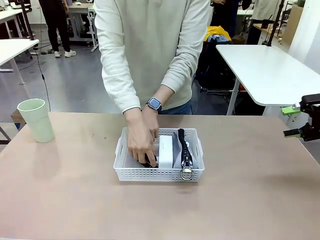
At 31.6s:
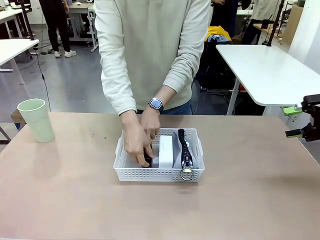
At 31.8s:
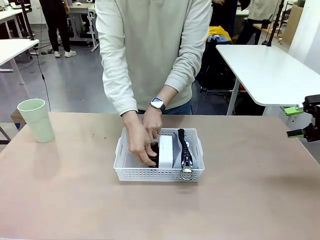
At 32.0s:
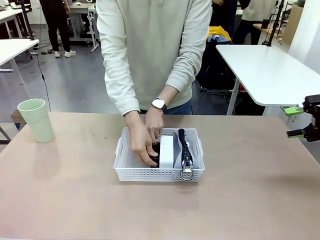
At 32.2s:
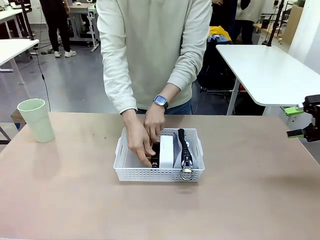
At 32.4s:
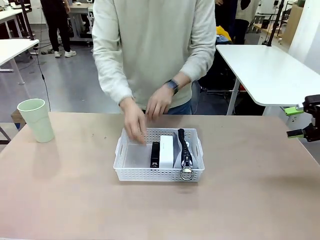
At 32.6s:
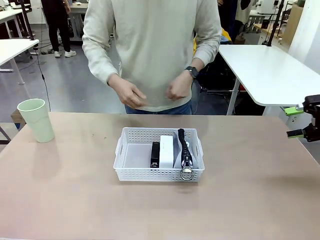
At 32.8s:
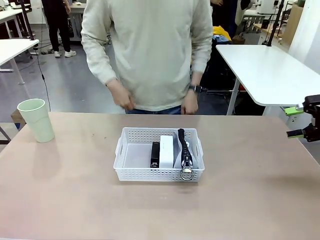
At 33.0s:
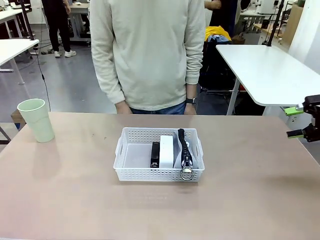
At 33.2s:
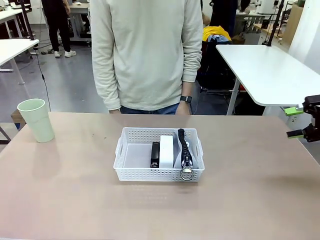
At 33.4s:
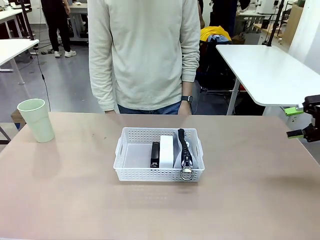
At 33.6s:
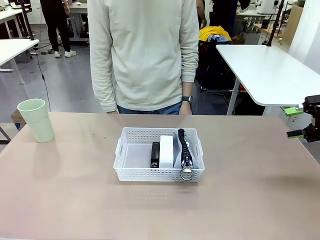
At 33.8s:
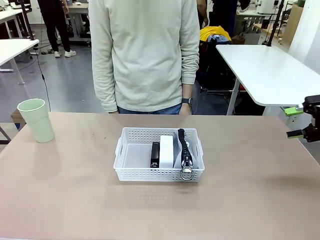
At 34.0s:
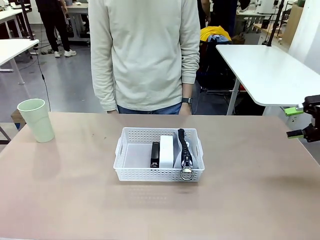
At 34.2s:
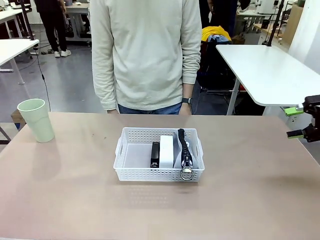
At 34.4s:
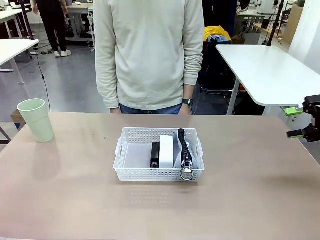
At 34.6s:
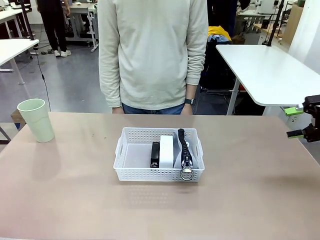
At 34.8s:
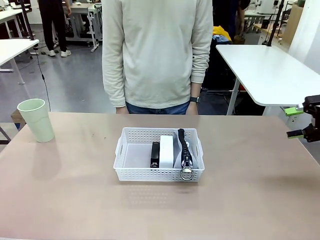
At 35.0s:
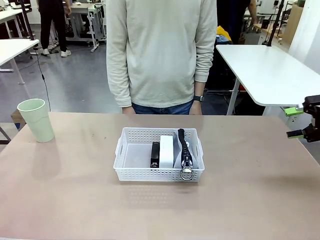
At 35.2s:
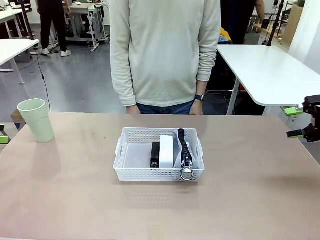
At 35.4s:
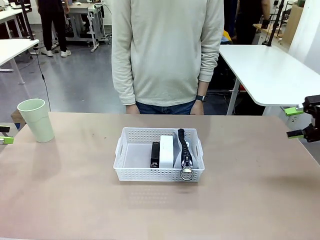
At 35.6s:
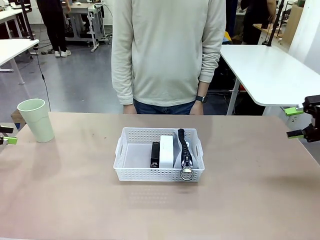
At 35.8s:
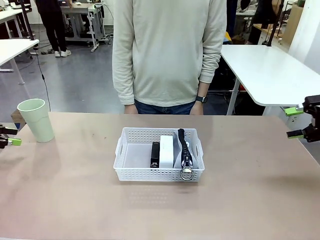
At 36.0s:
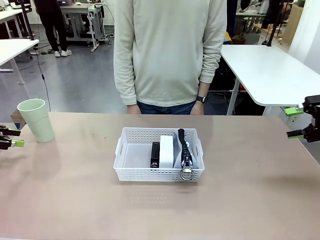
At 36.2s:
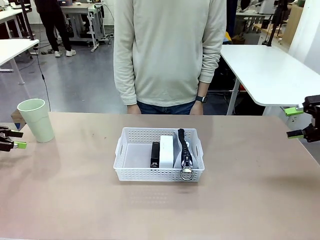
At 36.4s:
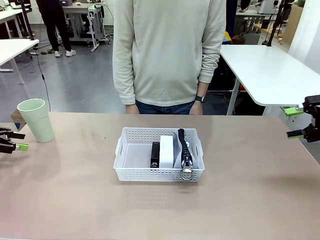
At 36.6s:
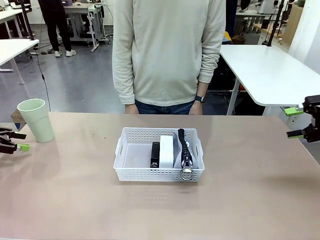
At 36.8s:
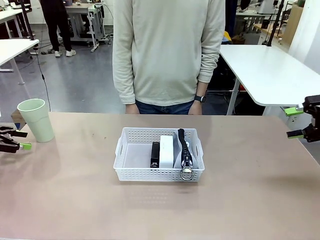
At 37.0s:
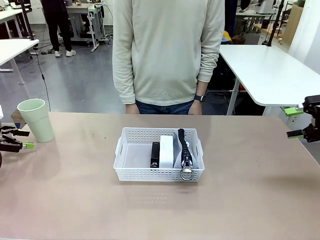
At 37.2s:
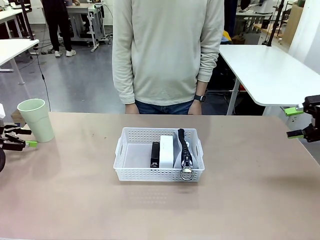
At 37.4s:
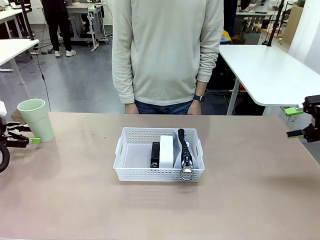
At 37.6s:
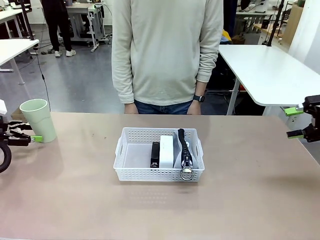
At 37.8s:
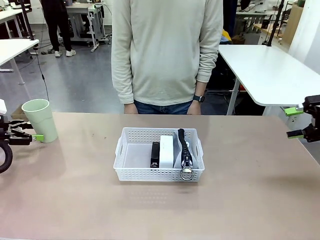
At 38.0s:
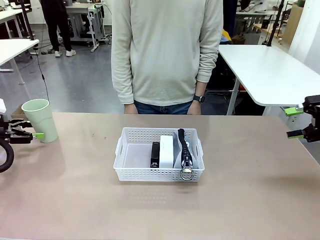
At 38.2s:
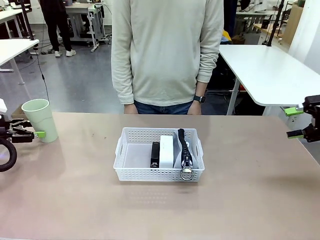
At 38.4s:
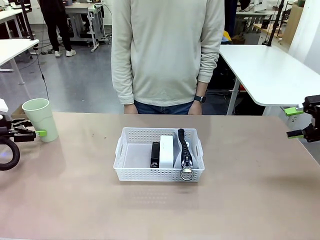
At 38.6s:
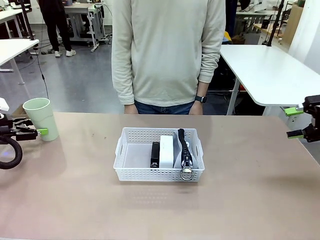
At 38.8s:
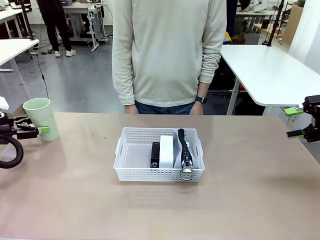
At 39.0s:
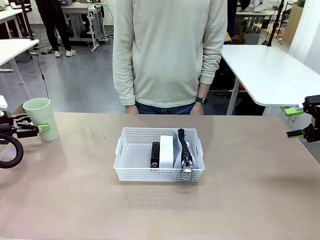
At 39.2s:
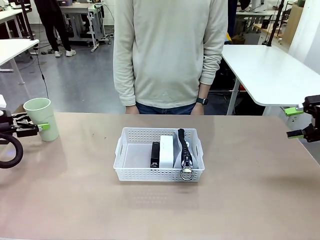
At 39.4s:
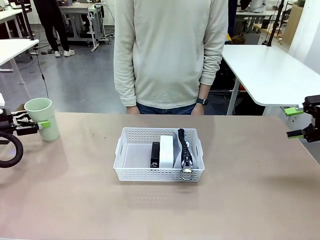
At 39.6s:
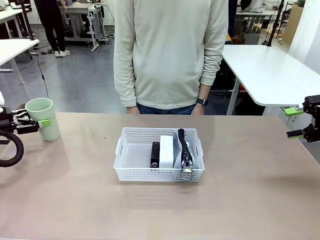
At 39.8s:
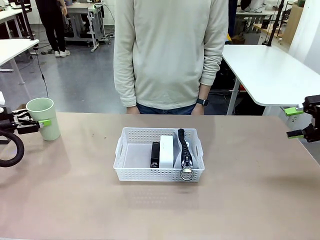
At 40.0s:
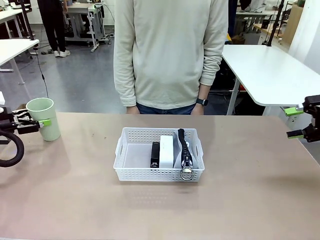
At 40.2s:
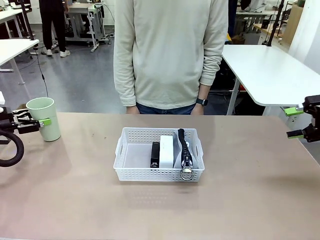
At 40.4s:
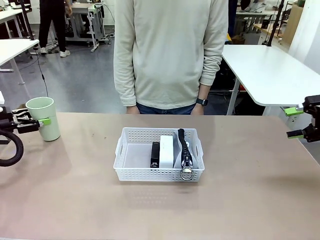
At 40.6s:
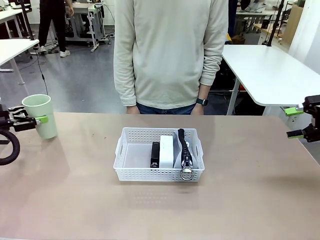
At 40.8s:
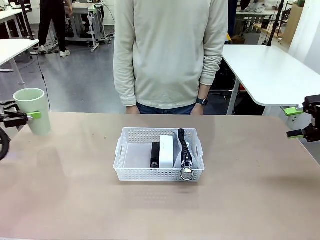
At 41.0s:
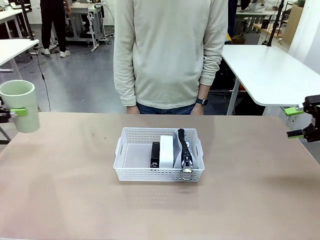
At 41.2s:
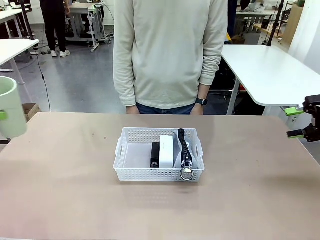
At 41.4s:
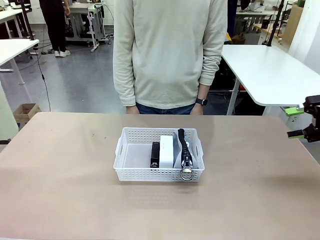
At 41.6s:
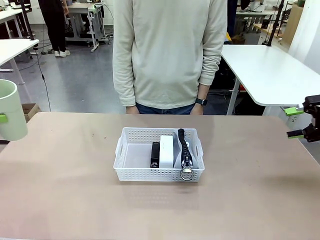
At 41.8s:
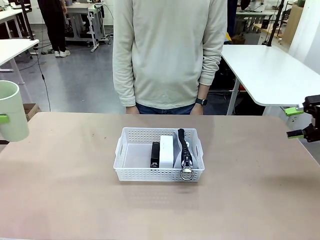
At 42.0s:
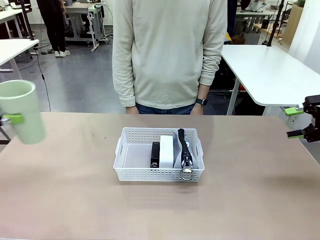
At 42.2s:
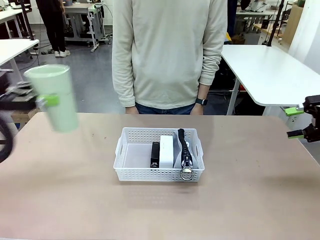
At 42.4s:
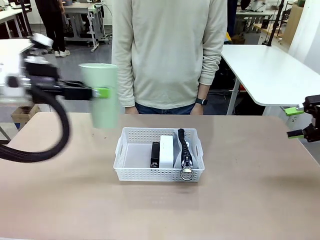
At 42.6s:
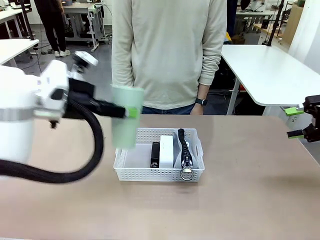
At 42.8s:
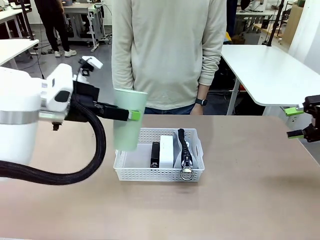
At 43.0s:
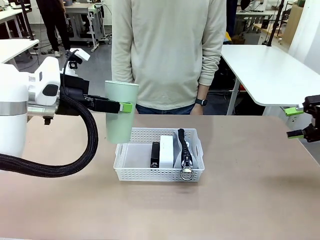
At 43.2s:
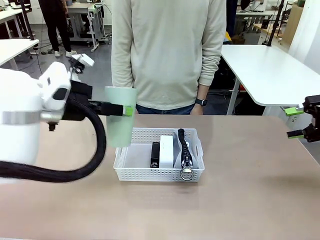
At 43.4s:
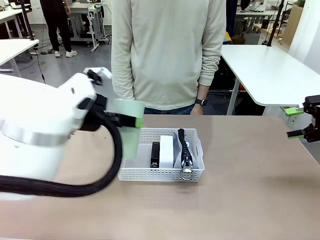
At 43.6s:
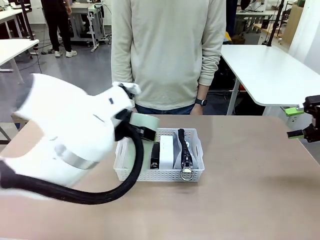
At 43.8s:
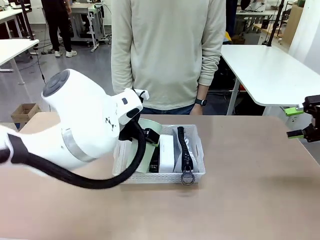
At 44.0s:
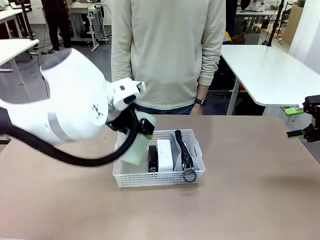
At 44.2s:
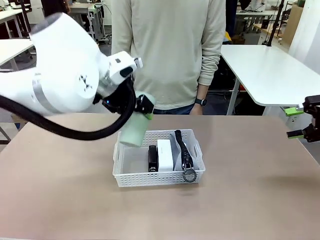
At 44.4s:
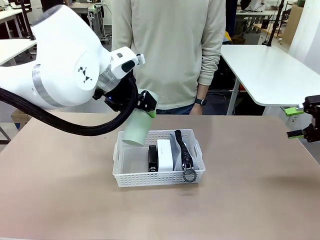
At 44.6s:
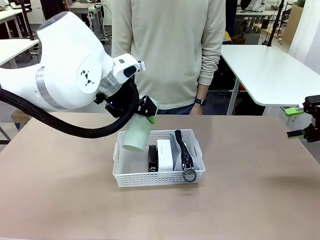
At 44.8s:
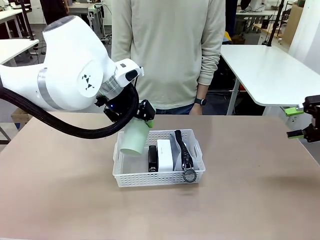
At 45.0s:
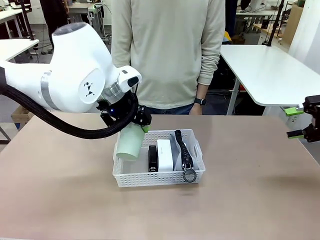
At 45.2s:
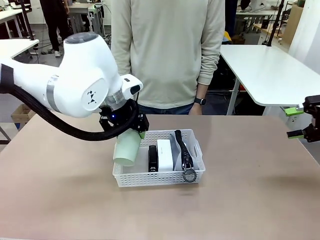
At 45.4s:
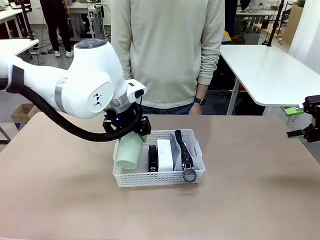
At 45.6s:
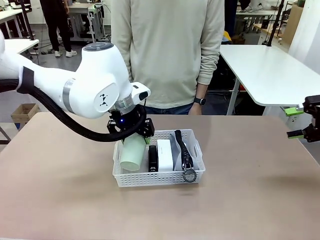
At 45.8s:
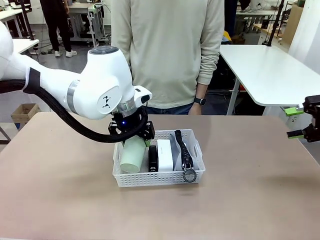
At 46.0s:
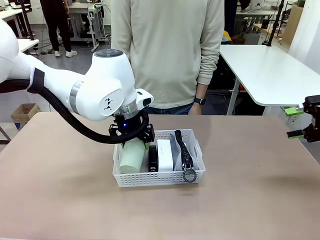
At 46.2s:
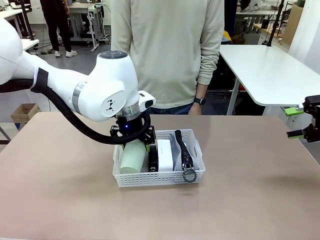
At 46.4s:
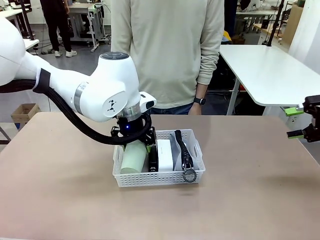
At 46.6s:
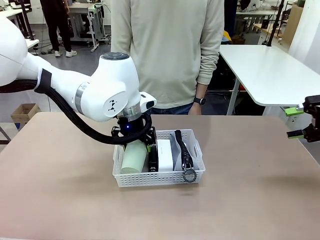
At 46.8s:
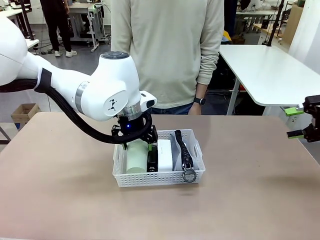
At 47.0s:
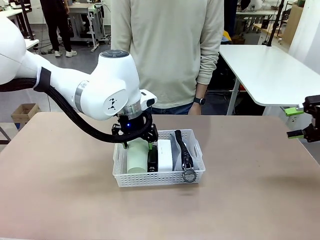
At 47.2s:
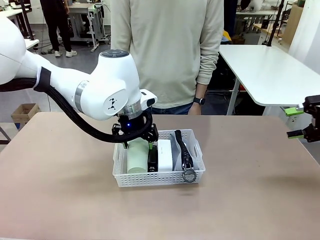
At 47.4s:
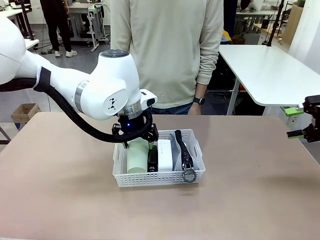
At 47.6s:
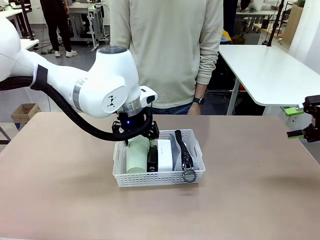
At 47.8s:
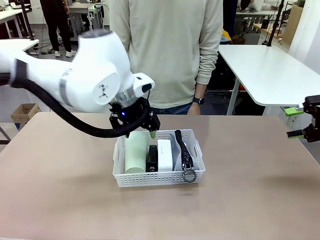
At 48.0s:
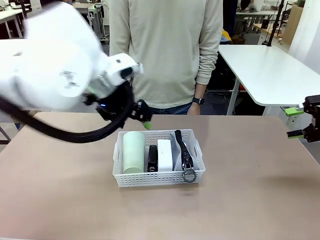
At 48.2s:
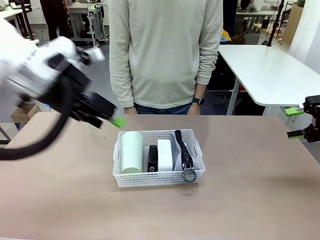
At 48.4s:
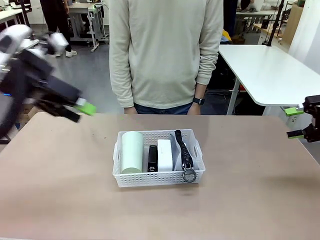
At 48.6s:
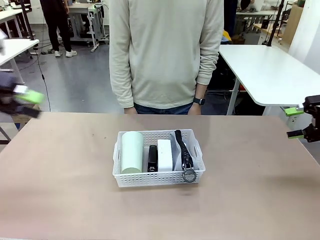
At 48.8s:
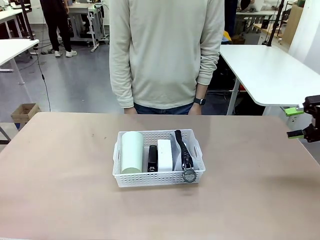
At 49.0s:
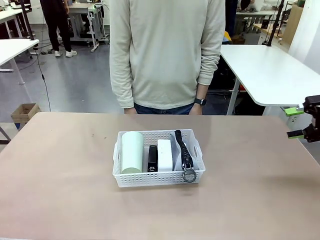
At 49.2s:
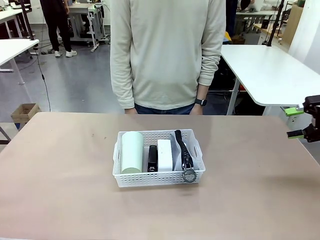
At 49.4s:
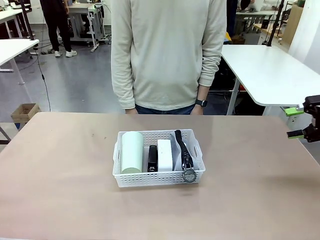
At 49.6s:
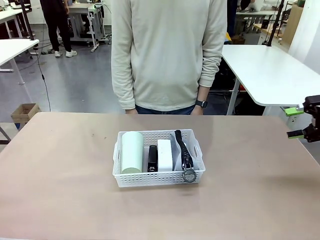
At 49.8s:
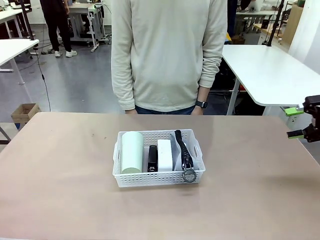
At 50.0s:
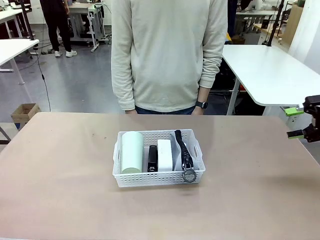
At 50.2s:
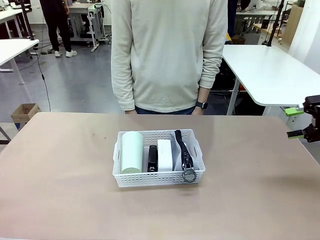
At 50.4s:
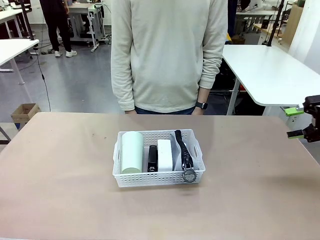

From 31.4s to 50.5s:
Task: Efficiently arrange items inside the basket to fit them all.
Robot: Pick up the Reusable plastic cup and place it inside the Organizing basket.
Person: Repositions the stapler.
